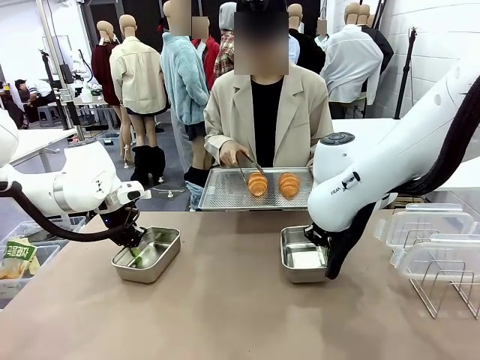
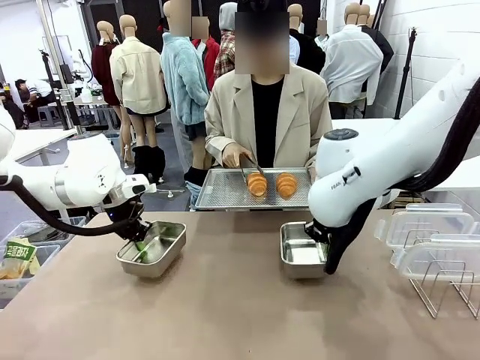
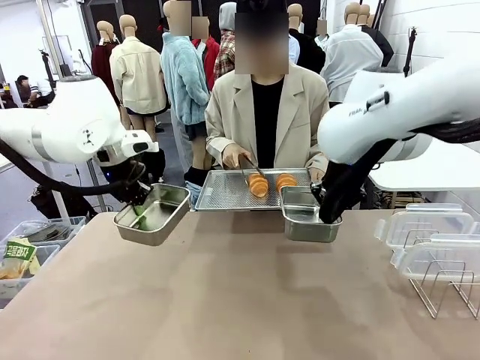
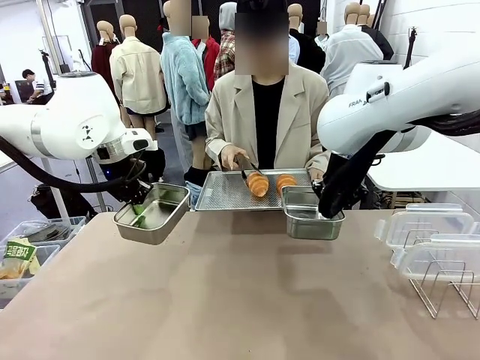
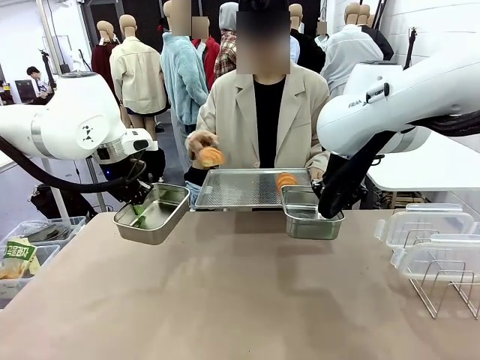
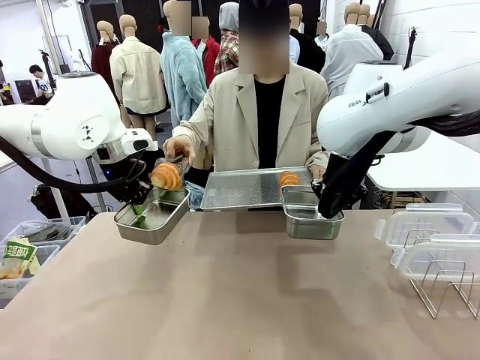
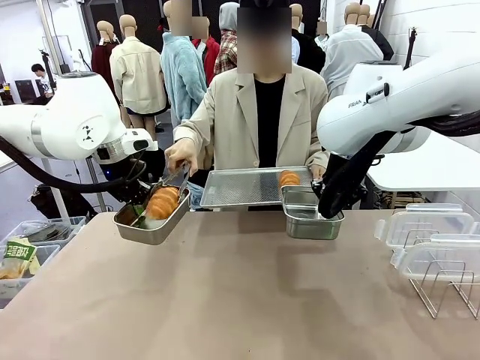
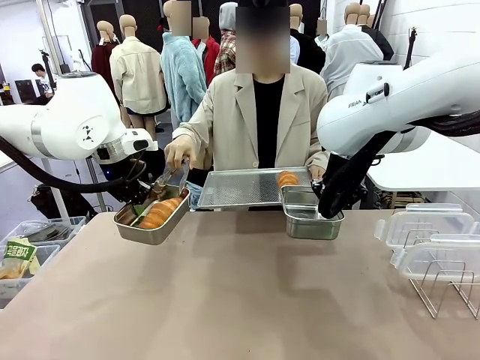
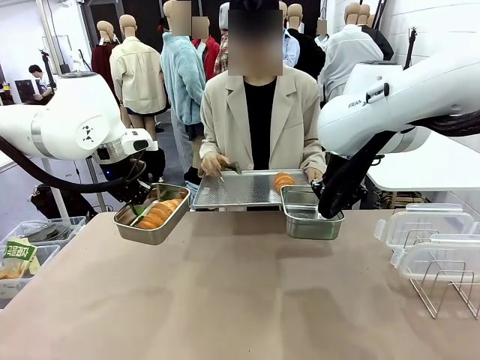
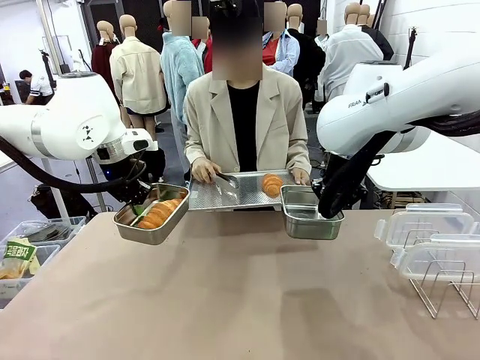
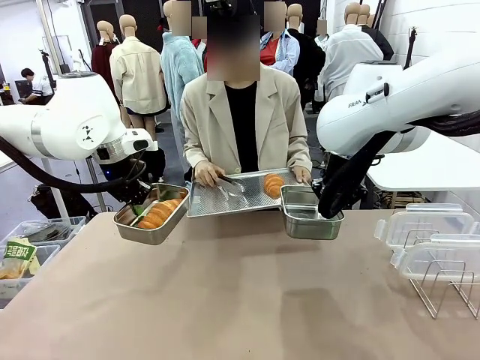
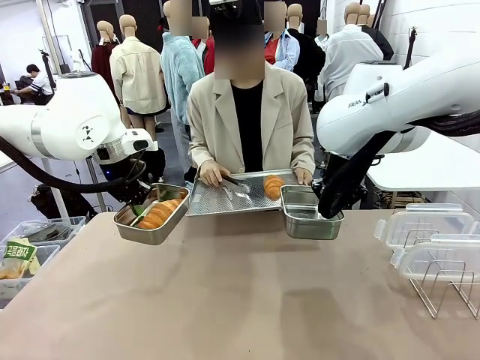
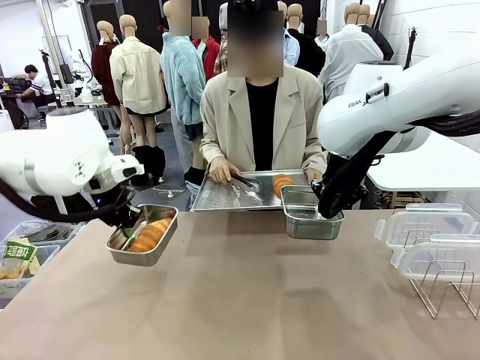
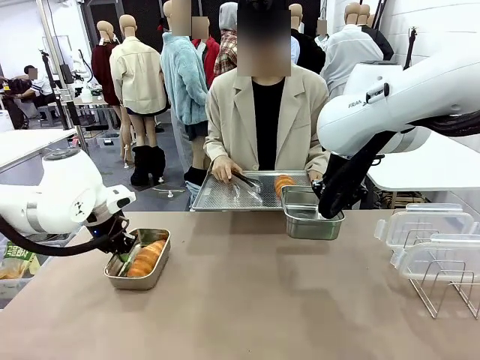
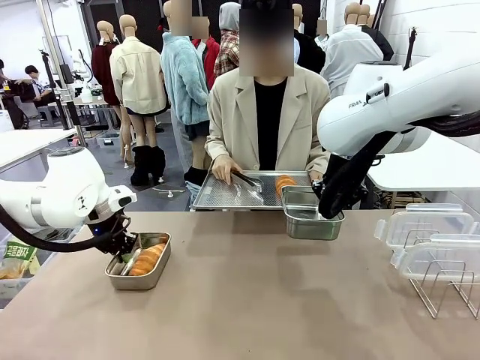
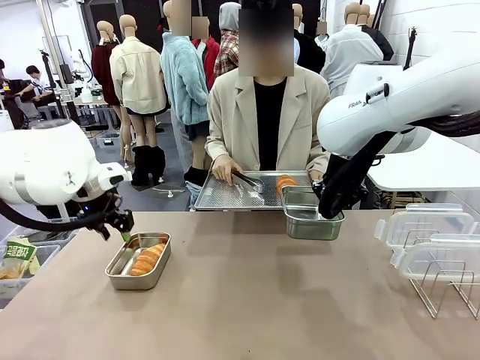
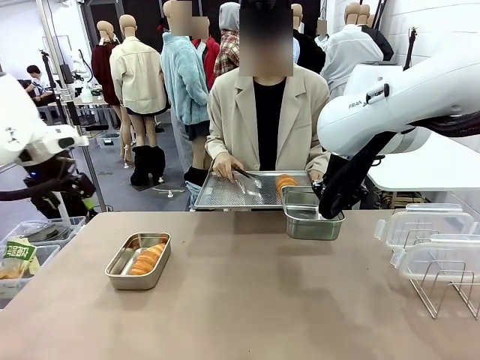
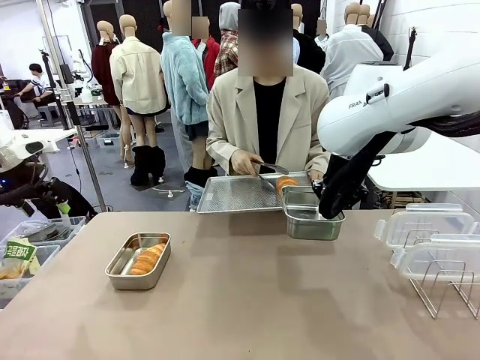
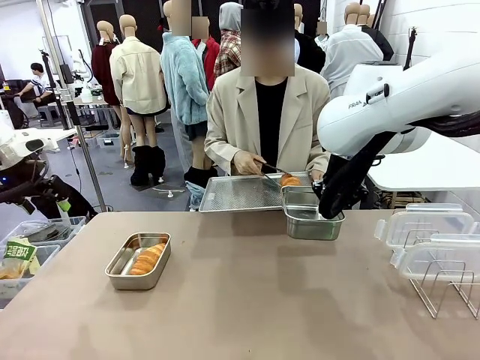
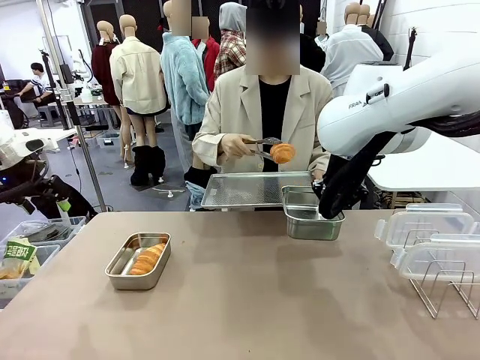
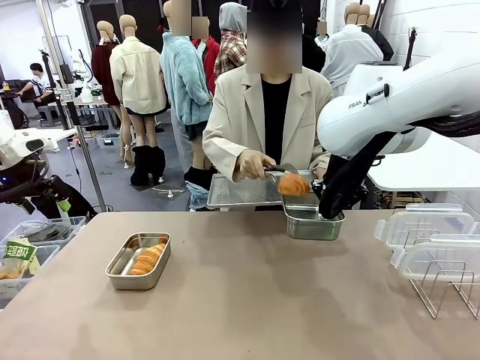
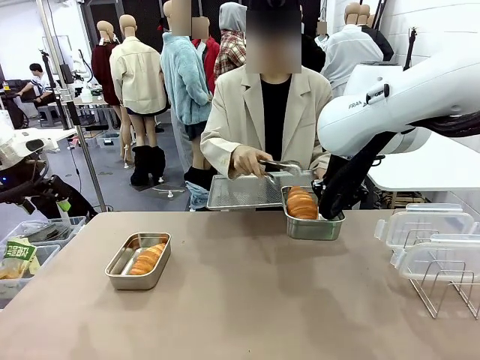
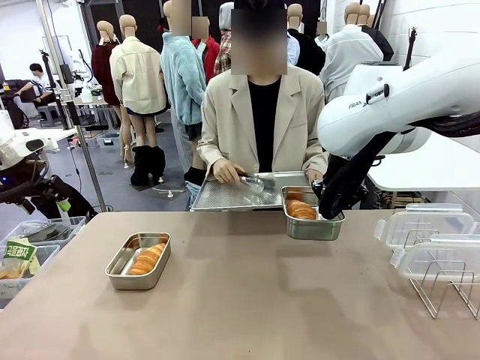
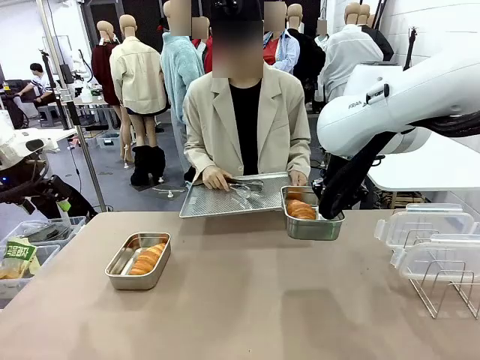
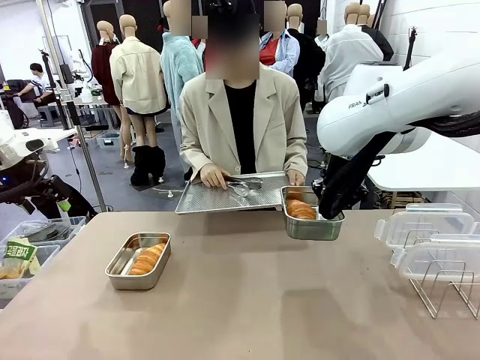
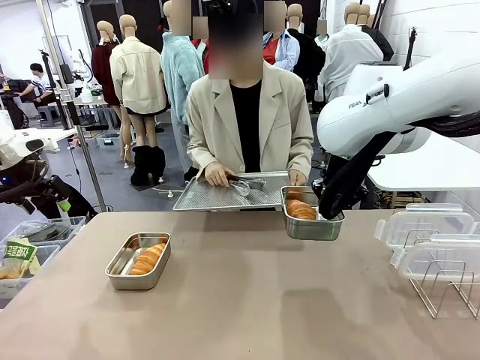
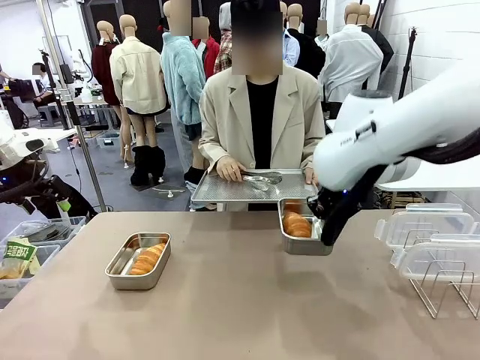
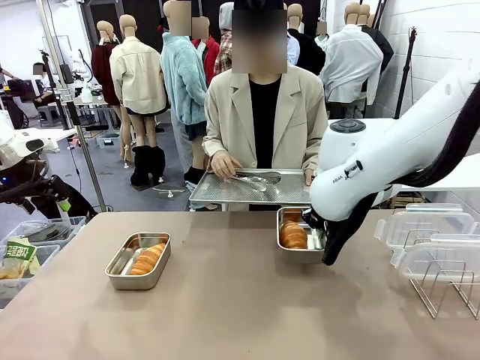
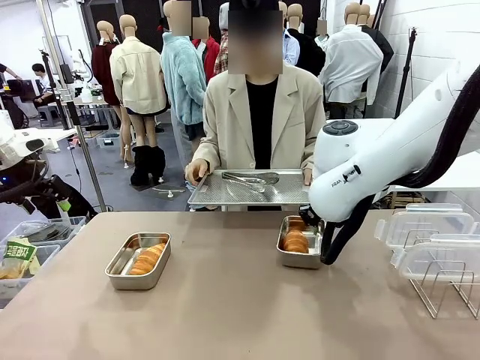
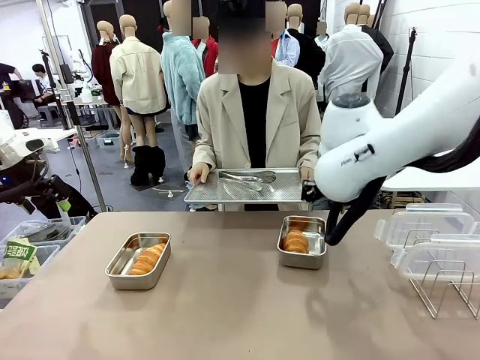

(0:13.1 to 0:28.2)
Task: Place the bread in airtight containers.
Robot: Once an object is inside an Airtight Container , place the container in the center of the table.
Person: Use the Stainless steel tongs to place one object from Baking Sheet into one Airtight Container.

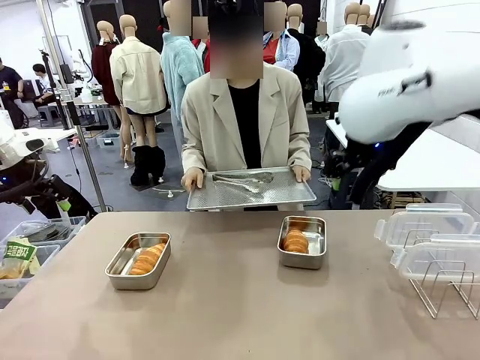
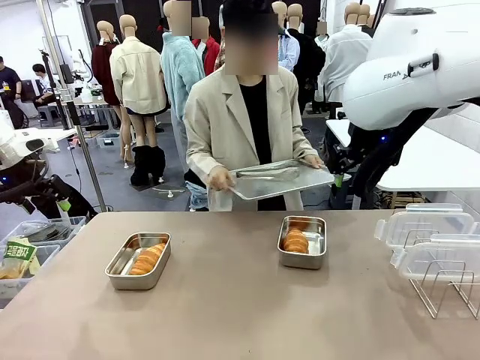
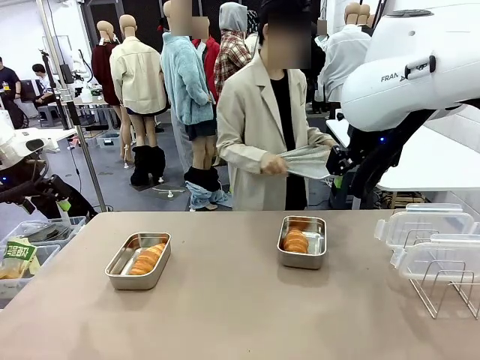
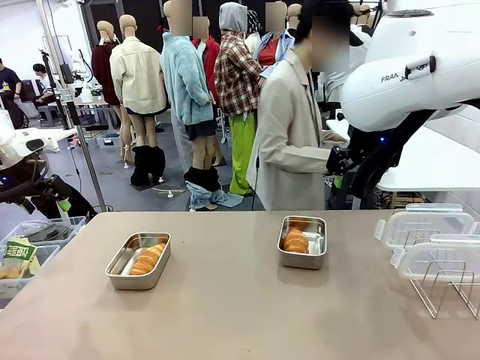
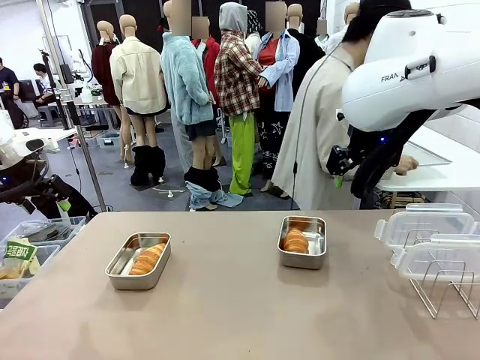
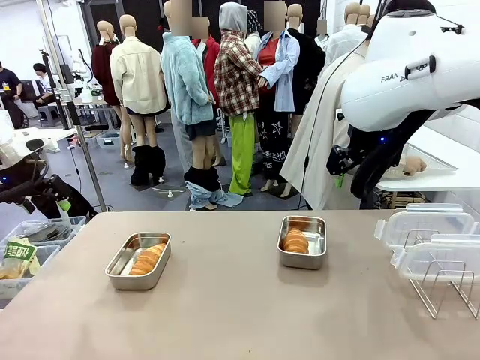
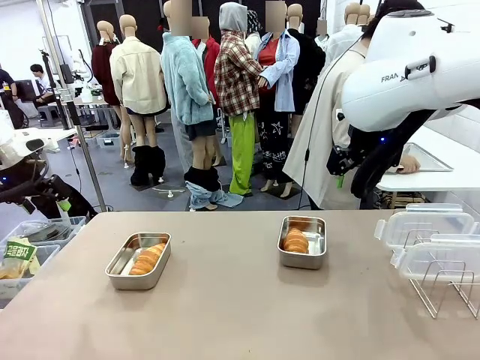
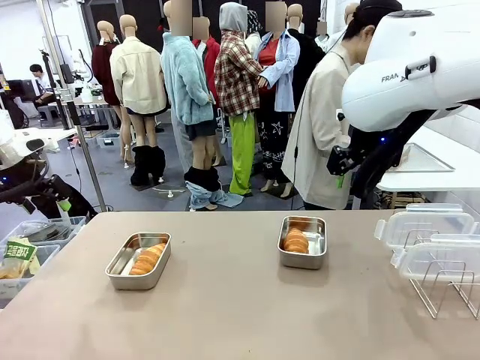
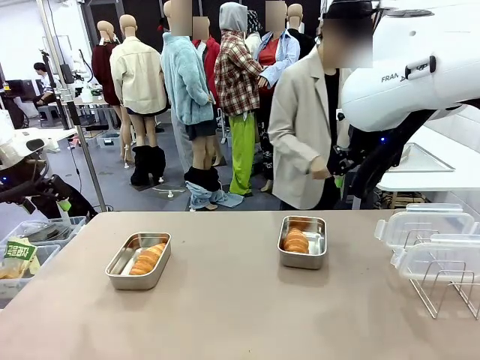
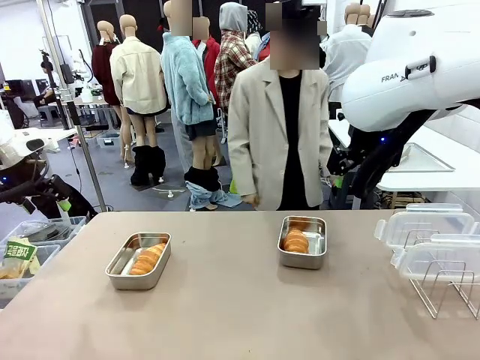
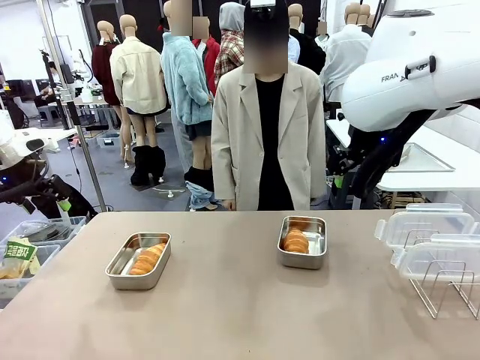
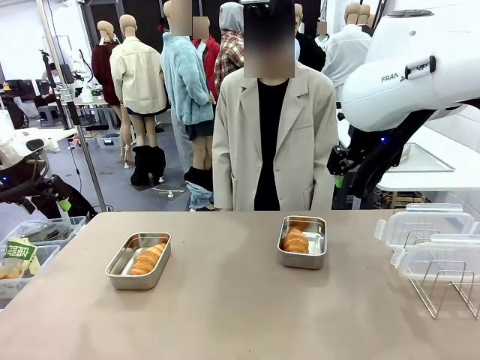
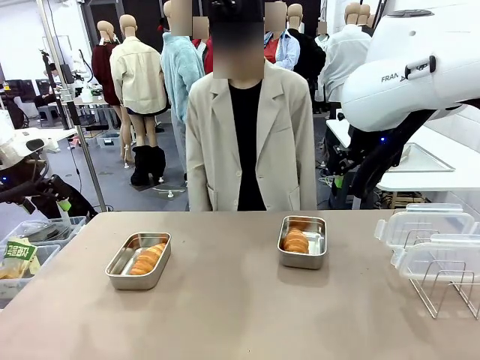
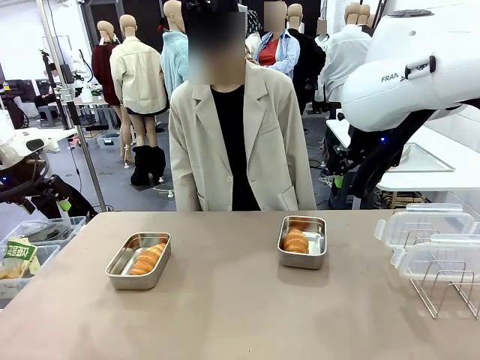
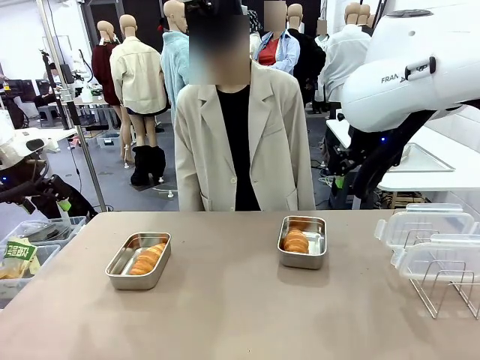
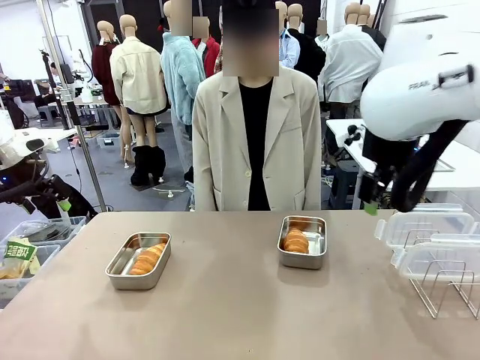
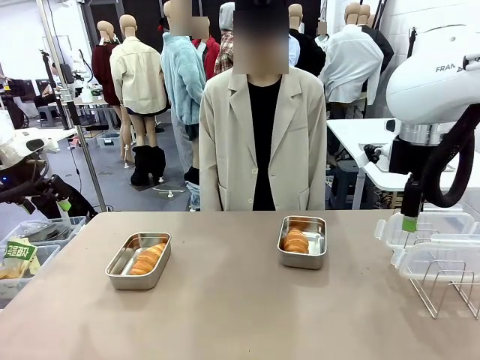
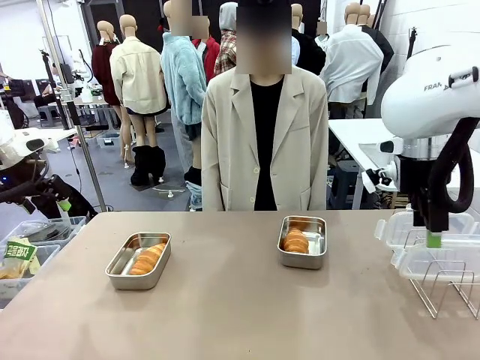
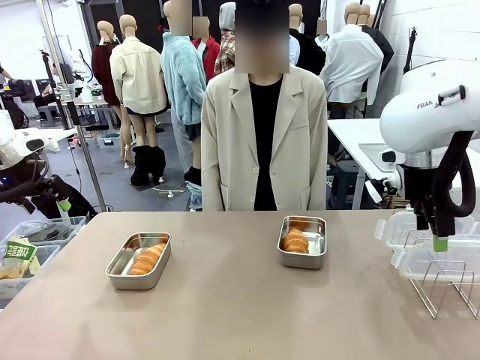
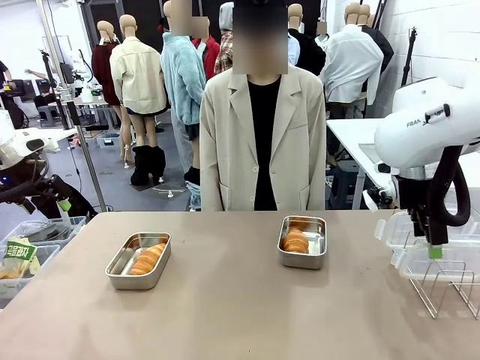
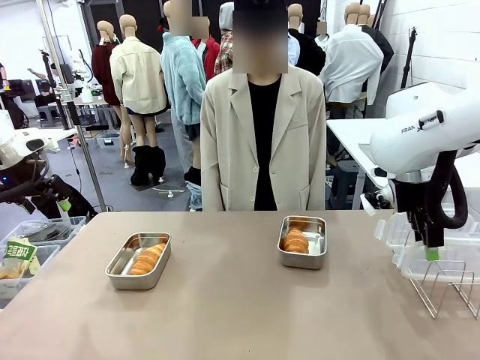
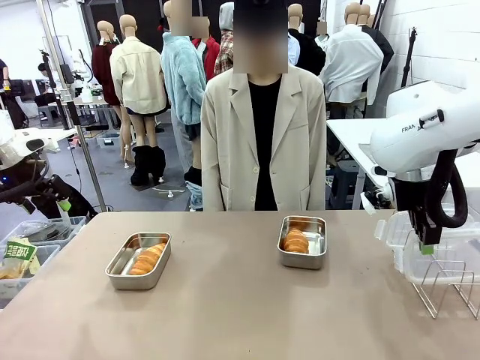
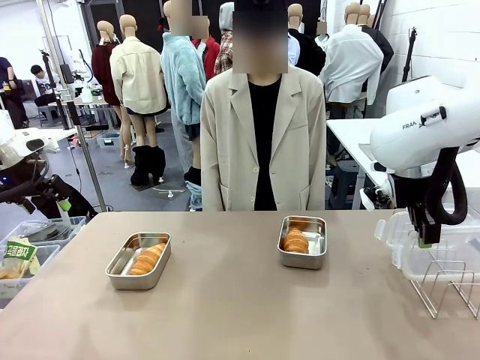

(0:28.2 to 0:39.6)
Robot: Pick up one Airtight Container lid and hand it to the human.
Person: Place Baking Sheet on the Human's Table. Grip Airtight Container lid that robot is handing.

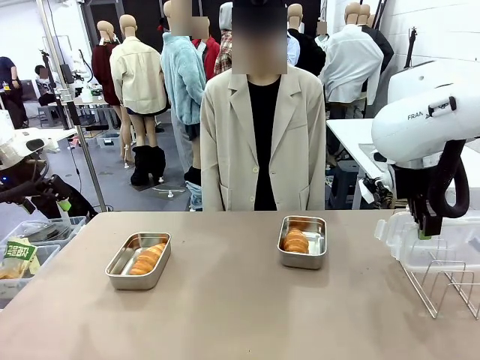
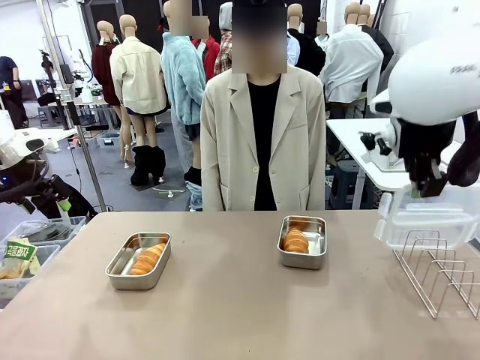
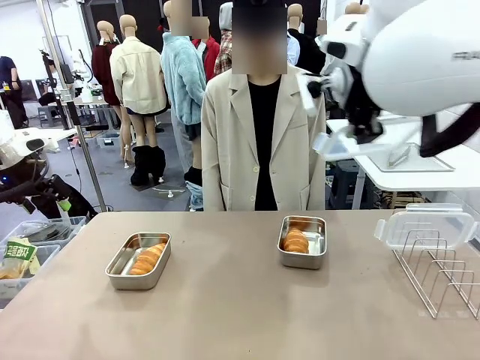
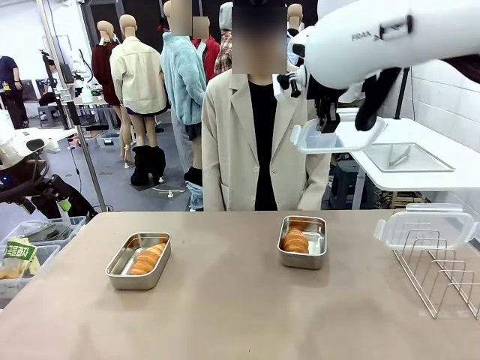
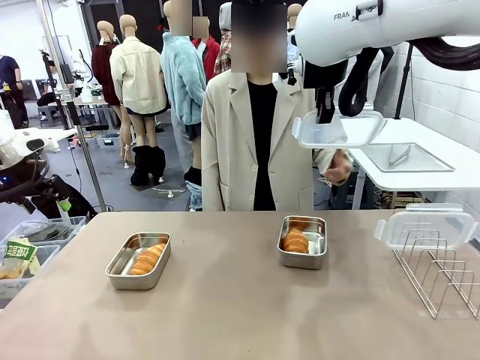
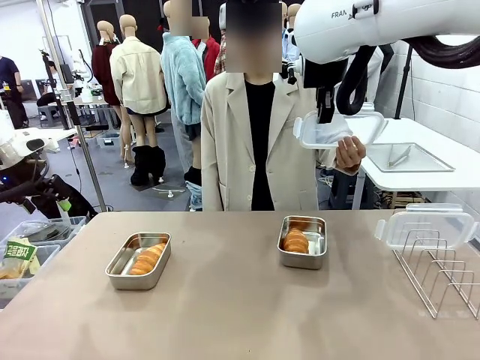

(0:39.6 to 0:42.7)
Robot: Release when the human grabs the Airtight Container lid.
